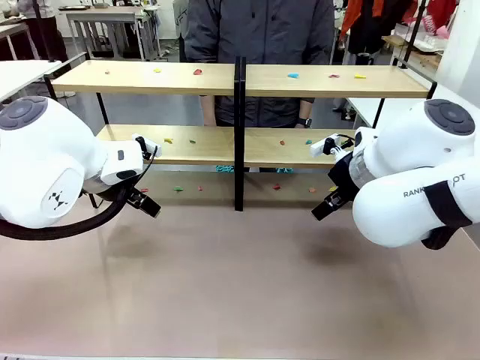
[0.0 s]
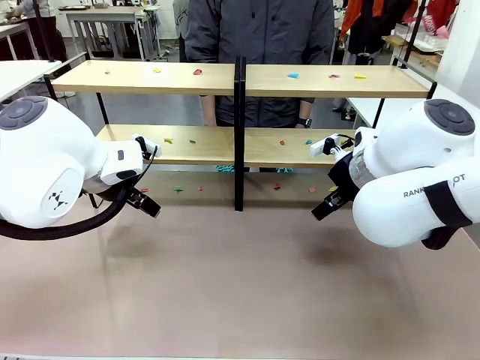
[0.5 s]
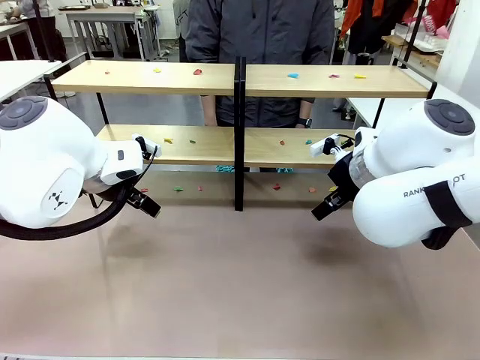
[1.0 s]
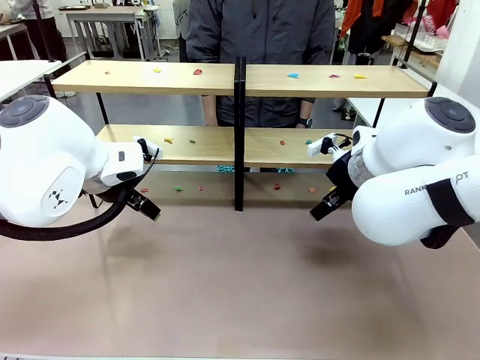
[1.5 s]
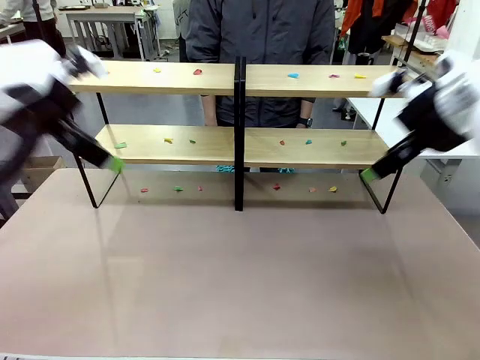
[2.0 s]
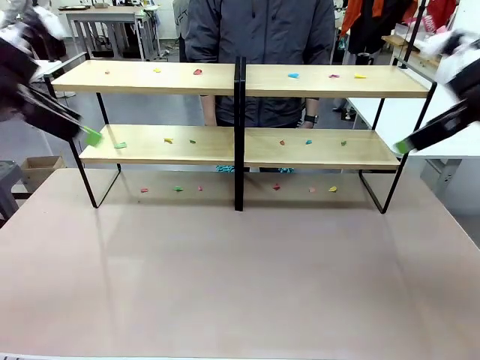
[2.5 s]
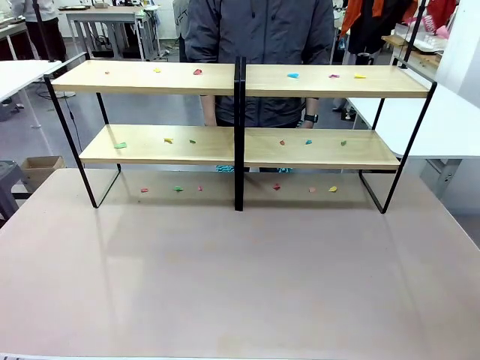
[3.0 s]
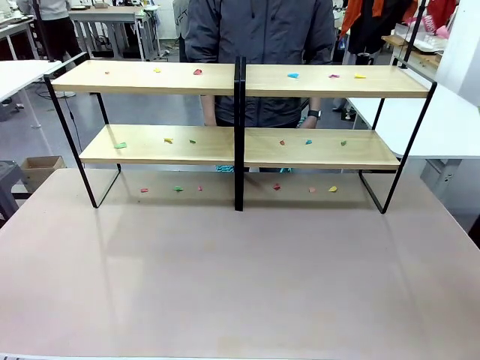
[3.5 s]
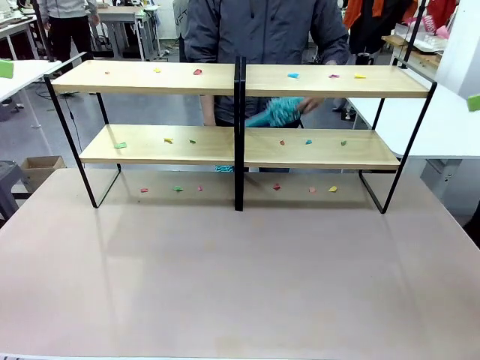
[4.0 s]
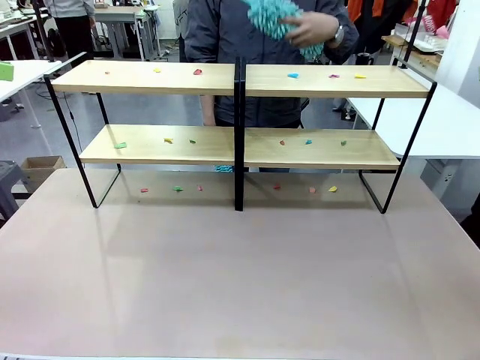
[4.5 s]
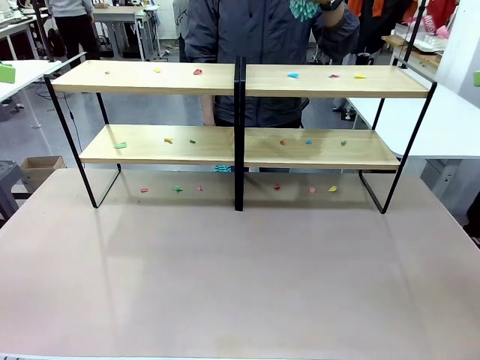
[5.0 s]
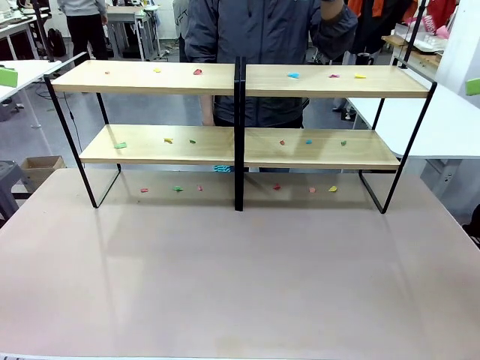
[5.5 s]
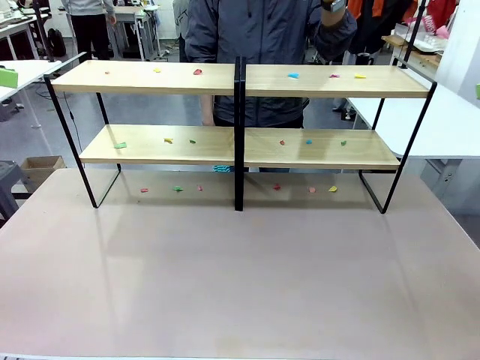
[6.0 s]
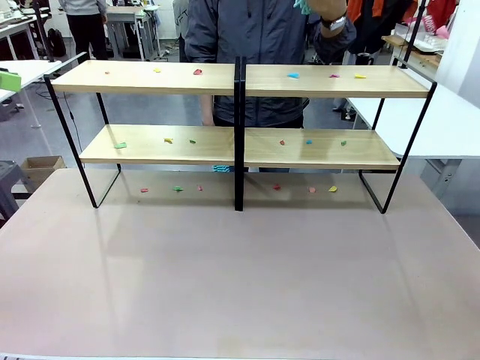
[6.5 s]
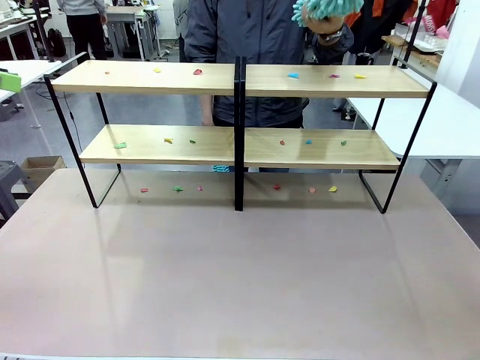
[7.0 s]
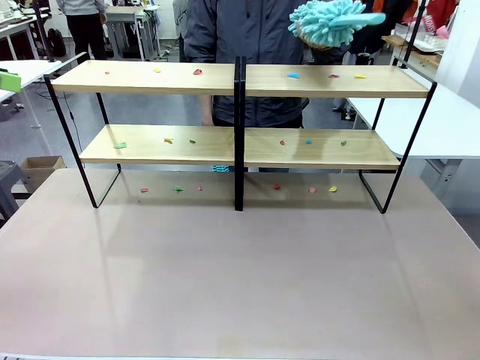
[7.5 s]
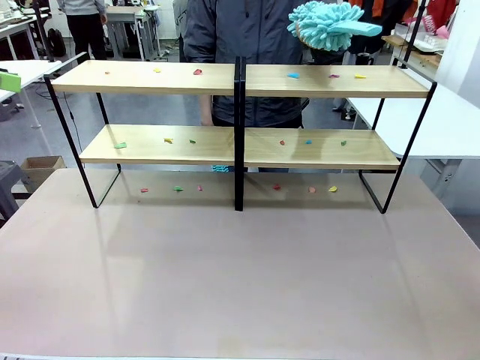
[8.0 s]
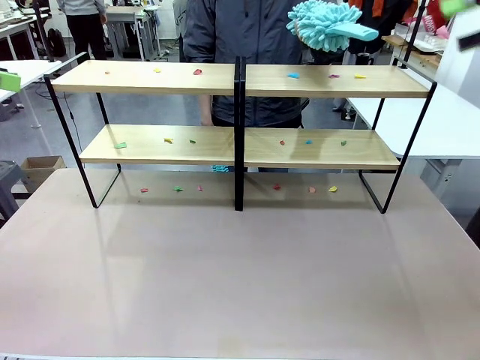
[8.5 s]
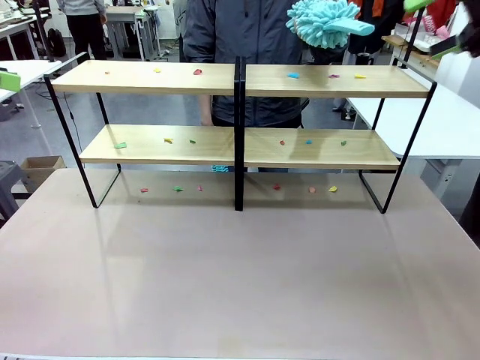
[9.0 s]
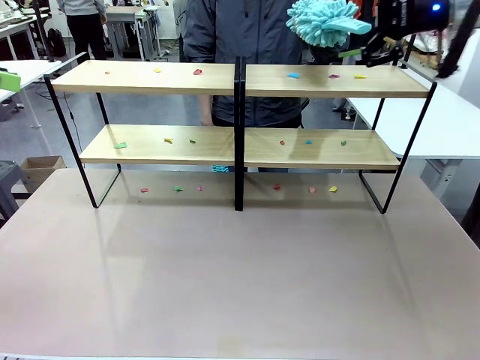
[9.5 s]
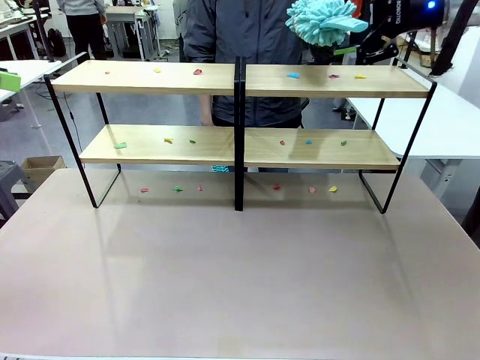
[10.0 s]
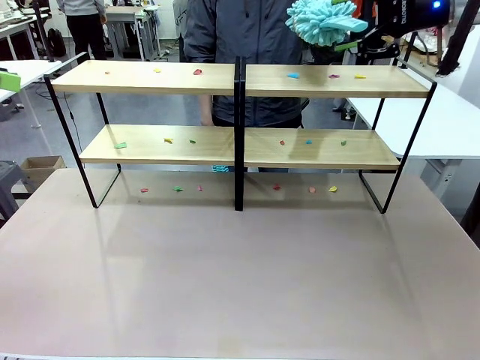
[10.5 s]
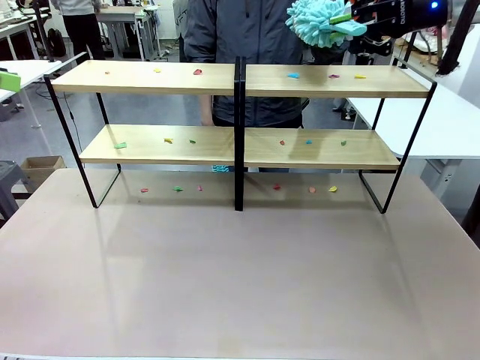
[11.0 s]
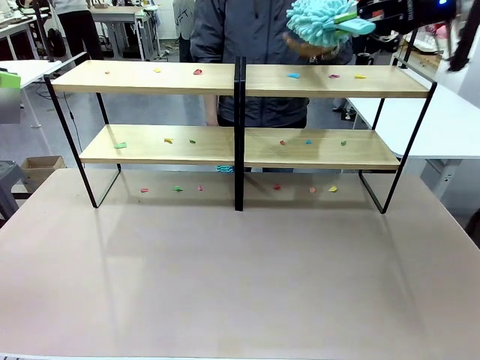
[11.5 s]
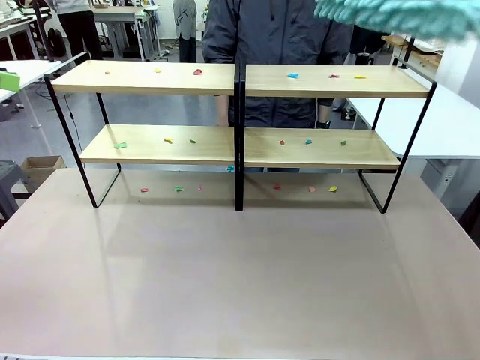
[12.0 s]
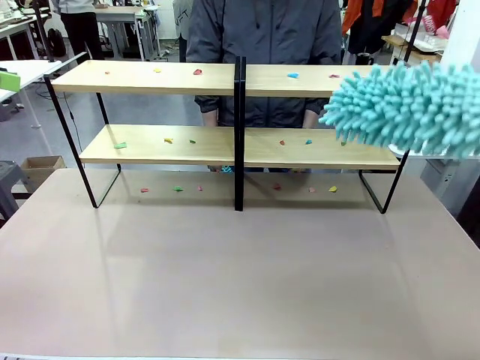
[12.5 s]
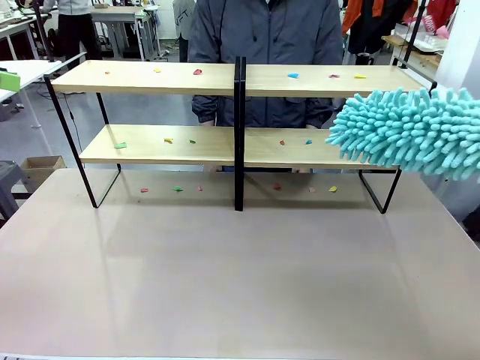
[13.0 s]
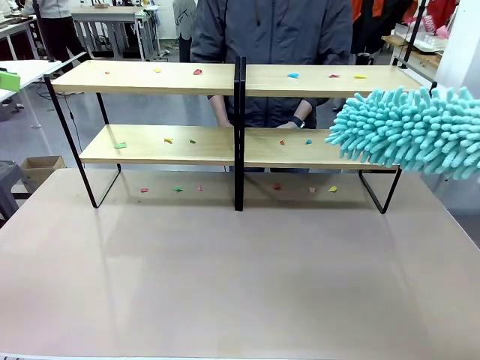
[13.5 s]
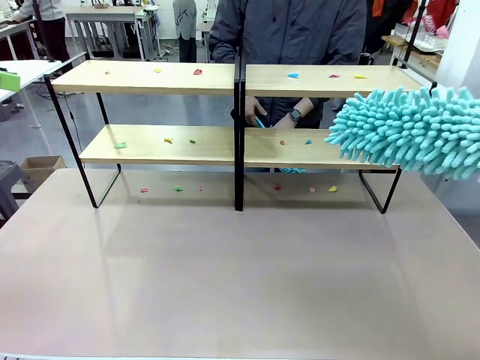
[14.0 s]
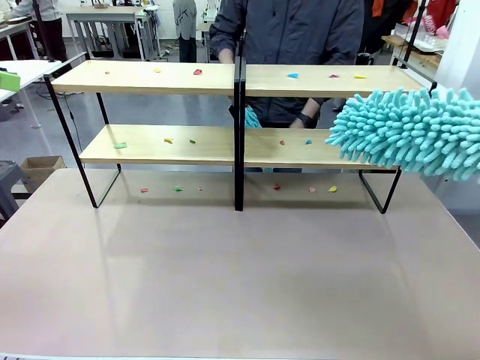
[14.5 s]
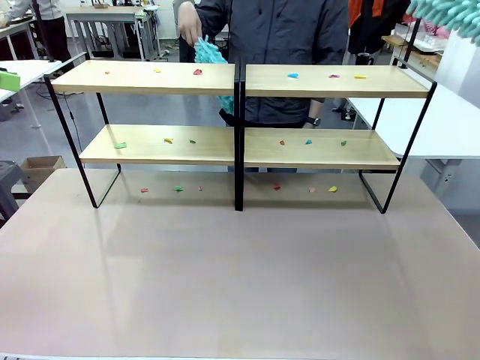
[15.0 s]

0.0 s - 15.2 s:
Task: Clean the shelves.
Robot: Pick up the Duster when the human hands it over.
Person: Hand the Duster to the robot with your right (or left) hand.

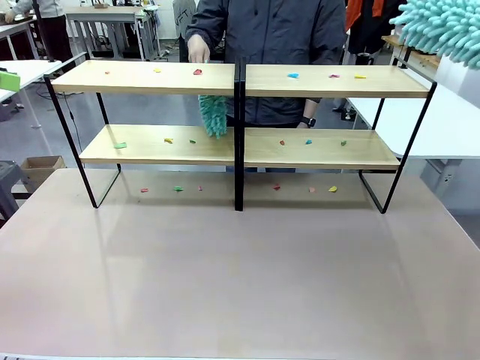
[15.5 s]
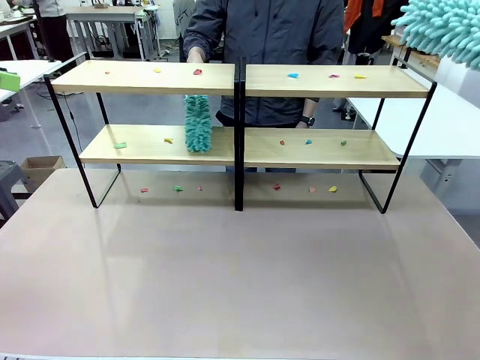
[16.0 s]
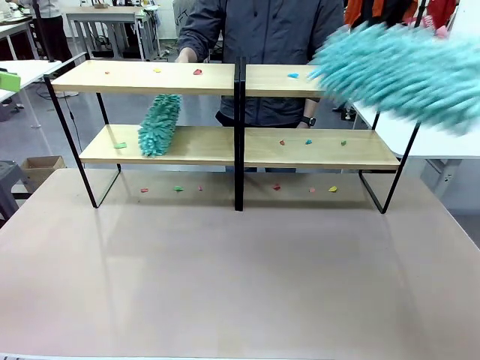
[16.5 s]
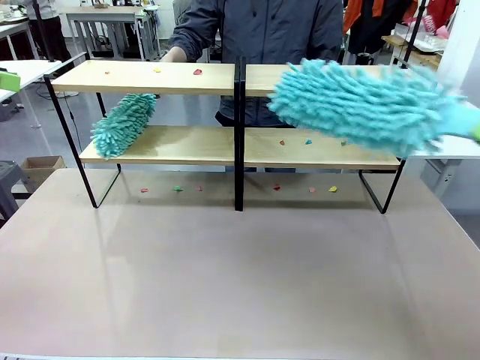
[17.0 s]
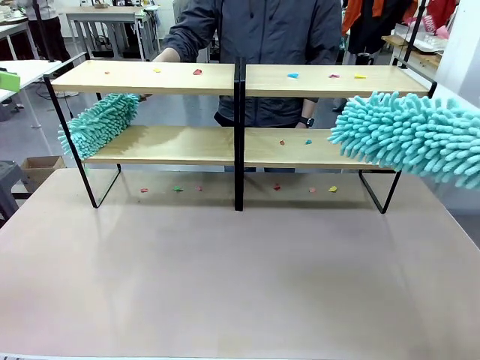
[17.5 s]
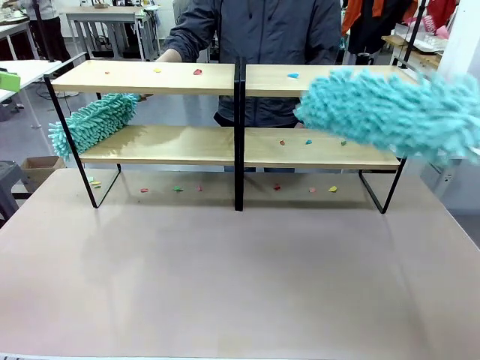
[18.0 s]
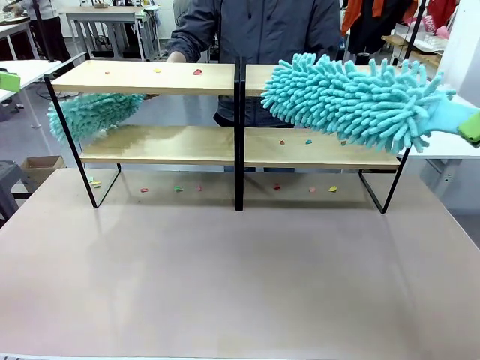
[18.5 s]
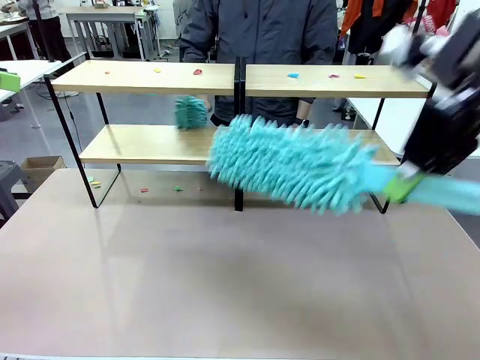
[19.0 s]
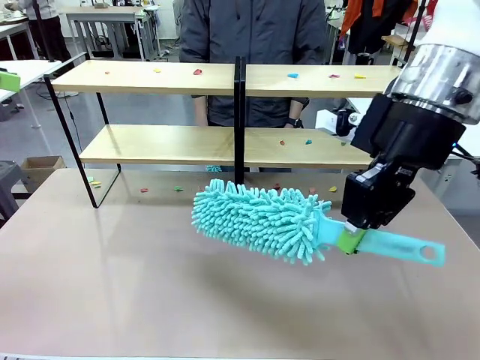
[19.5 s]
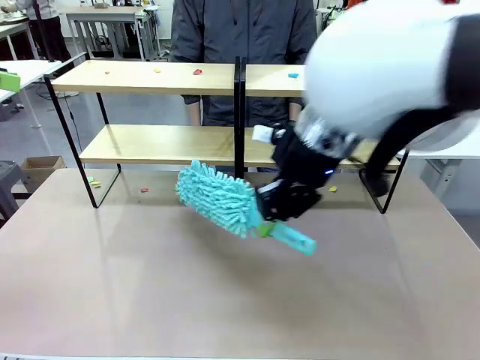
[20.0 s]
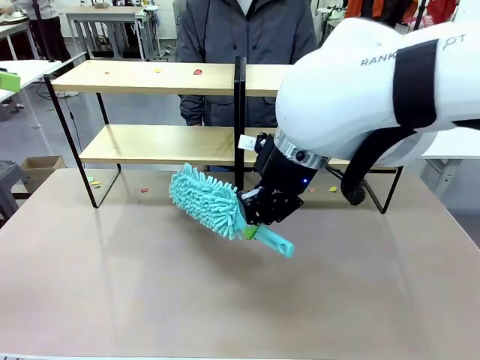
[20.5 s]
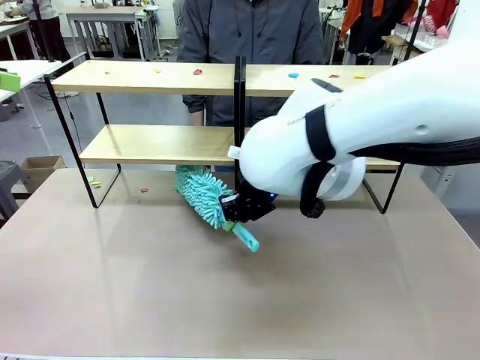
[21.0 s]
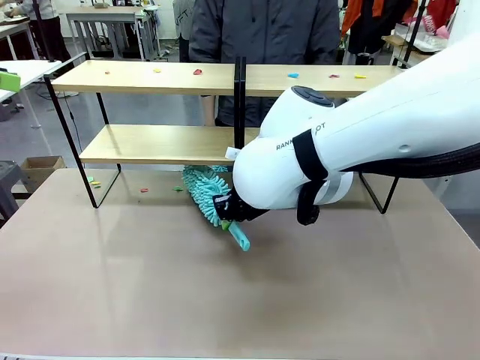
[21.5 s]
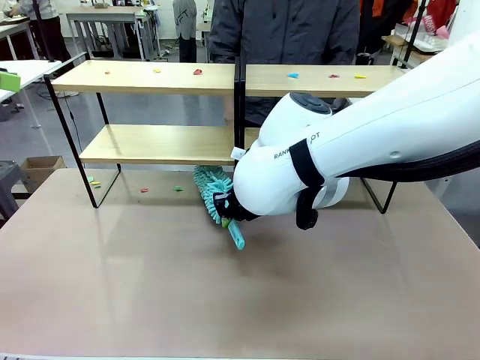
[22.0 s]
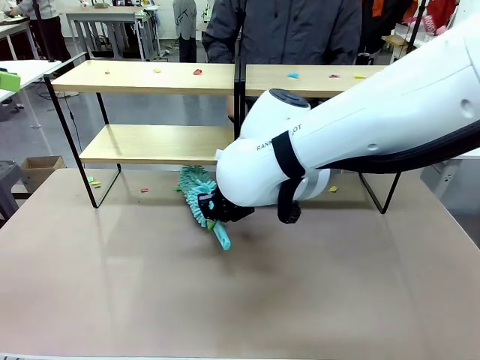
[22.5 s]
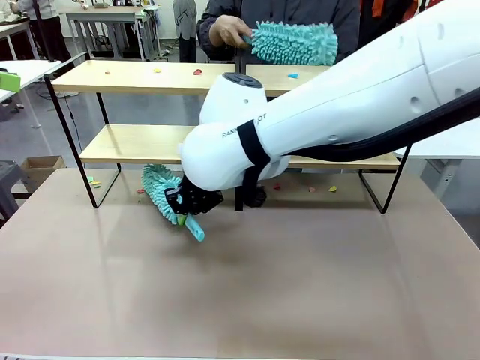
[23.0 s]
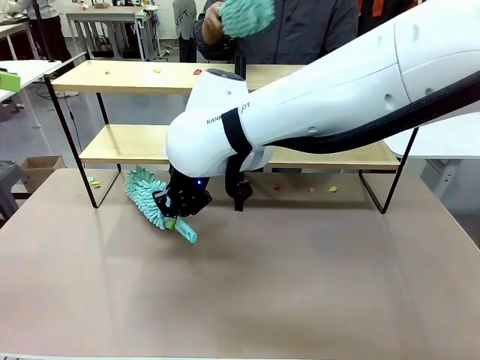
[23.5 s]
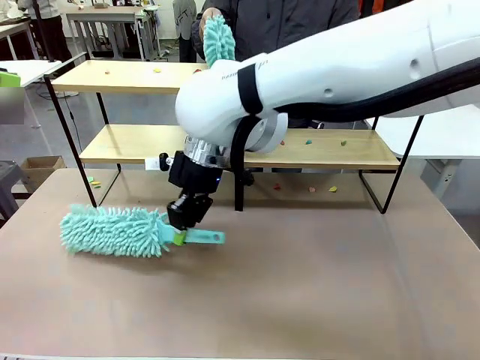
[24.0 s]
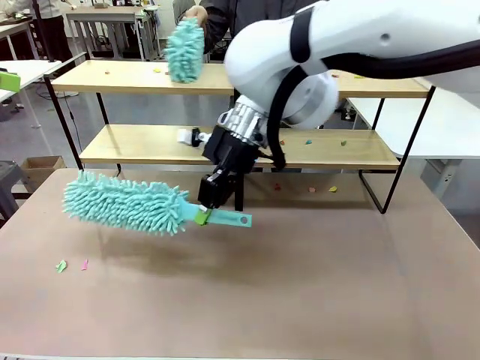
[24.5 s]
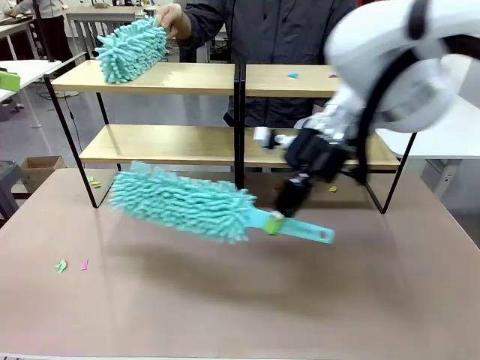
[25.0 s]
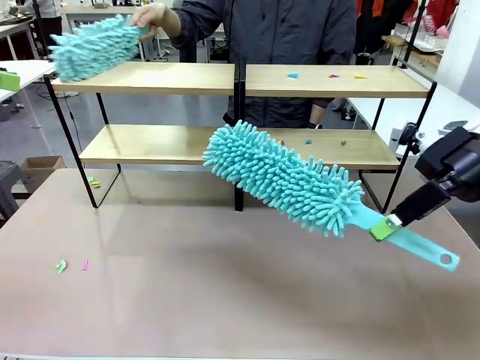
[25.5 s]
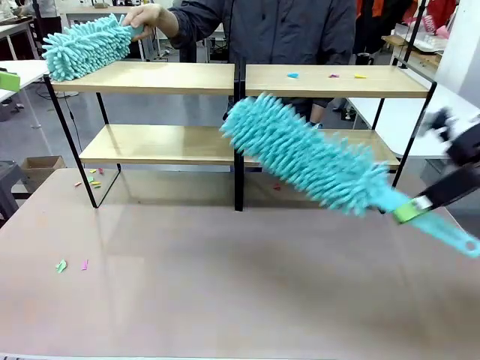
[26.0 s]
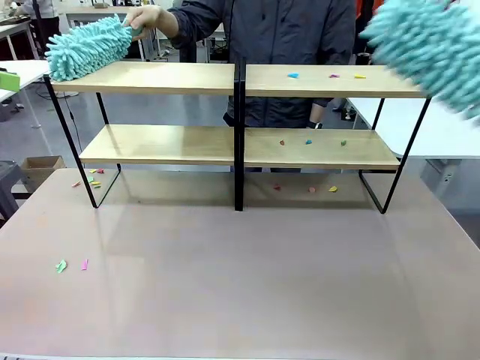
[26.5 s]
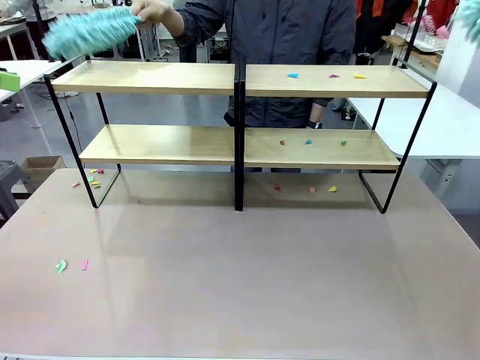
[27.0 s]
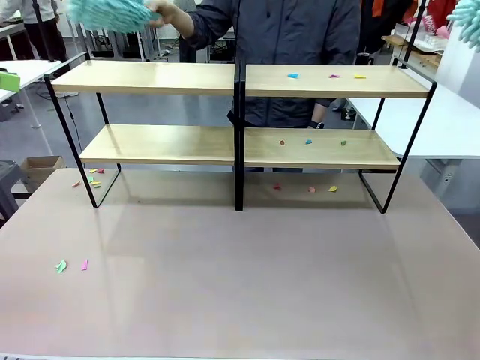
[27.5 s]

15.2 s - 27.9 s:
Robot: Clean a randomly selected level of the Shelf with the Duster.
